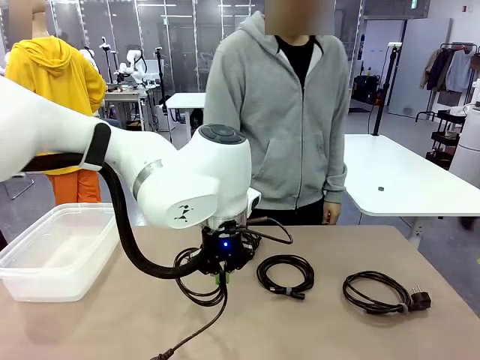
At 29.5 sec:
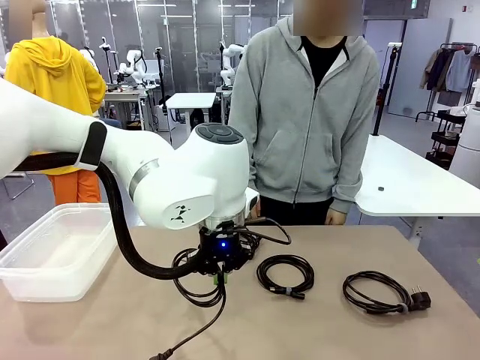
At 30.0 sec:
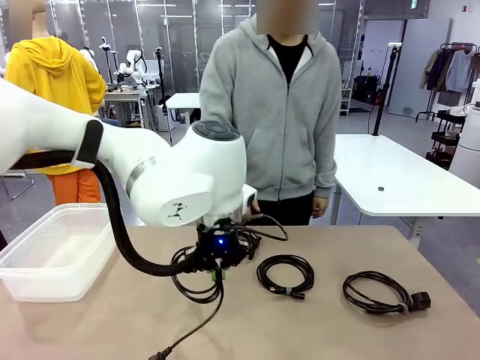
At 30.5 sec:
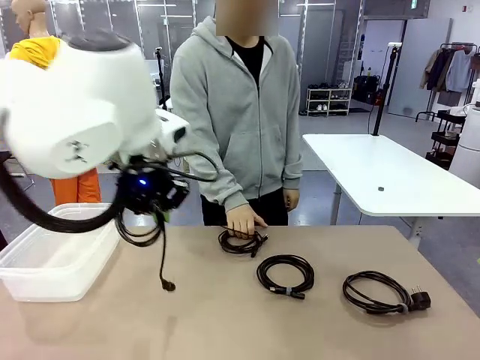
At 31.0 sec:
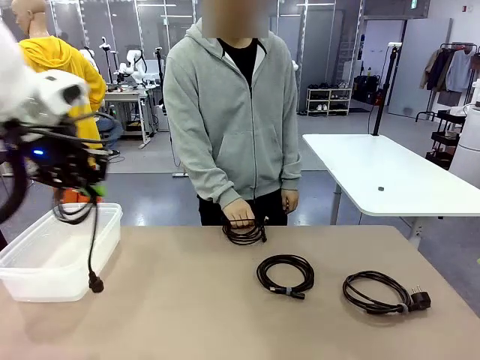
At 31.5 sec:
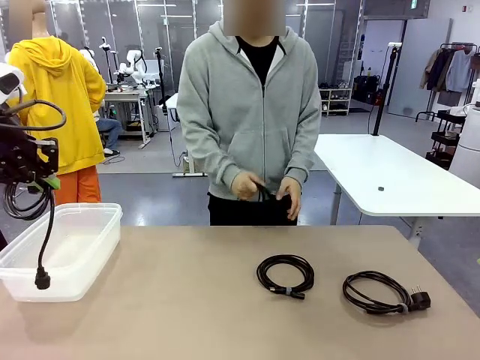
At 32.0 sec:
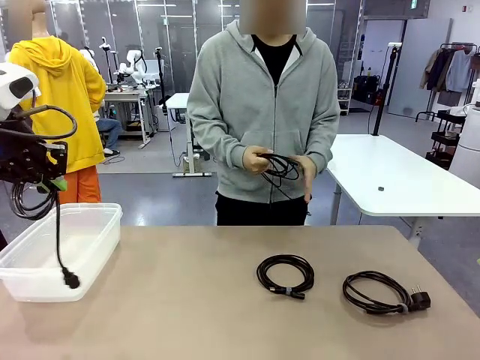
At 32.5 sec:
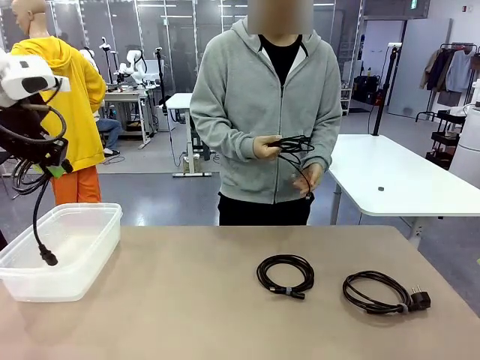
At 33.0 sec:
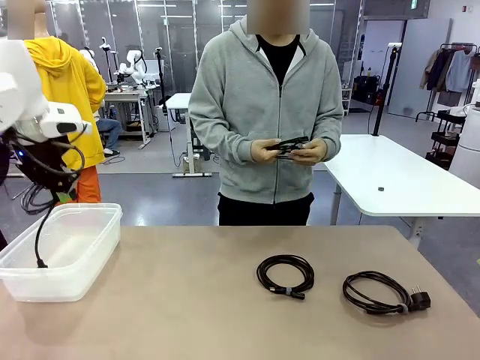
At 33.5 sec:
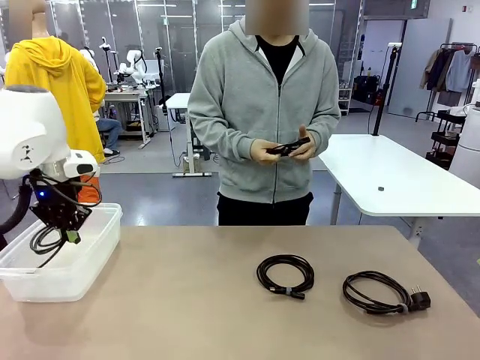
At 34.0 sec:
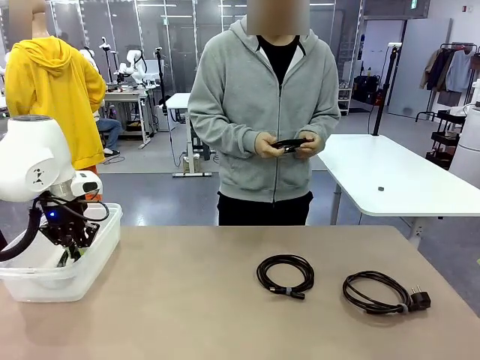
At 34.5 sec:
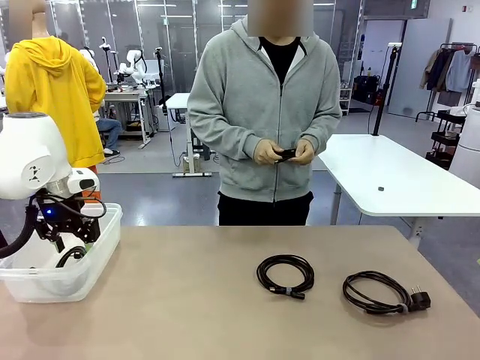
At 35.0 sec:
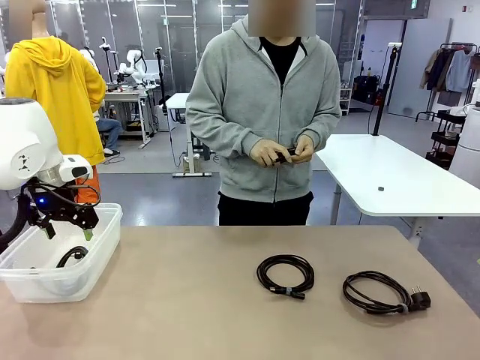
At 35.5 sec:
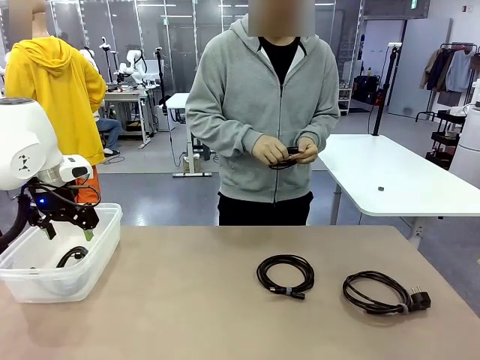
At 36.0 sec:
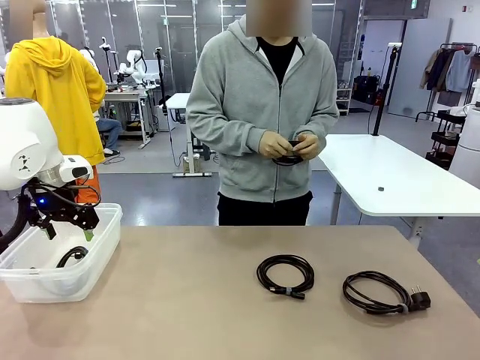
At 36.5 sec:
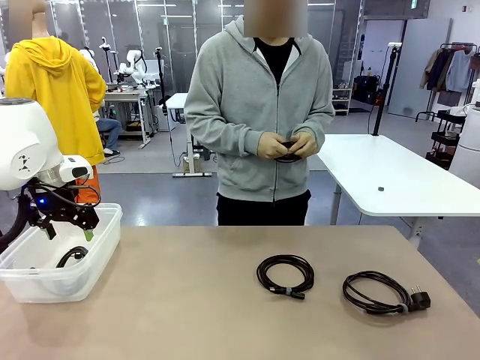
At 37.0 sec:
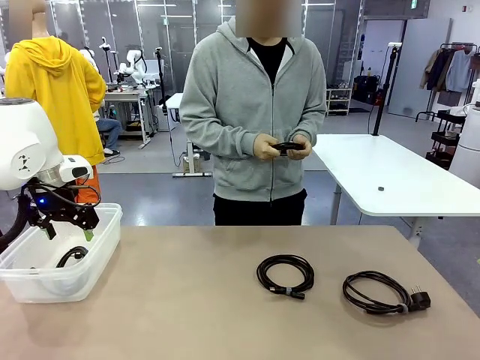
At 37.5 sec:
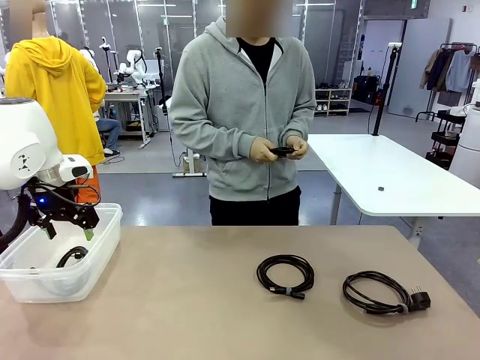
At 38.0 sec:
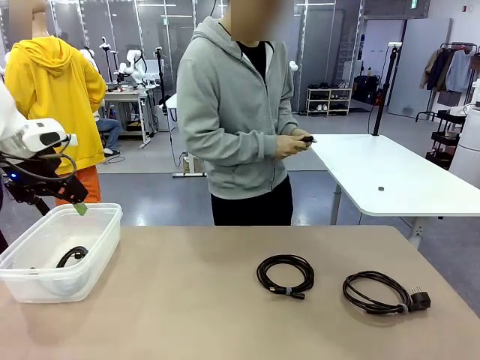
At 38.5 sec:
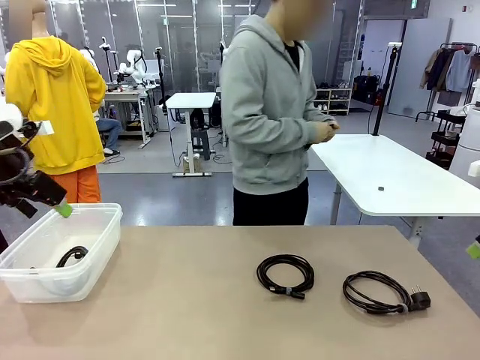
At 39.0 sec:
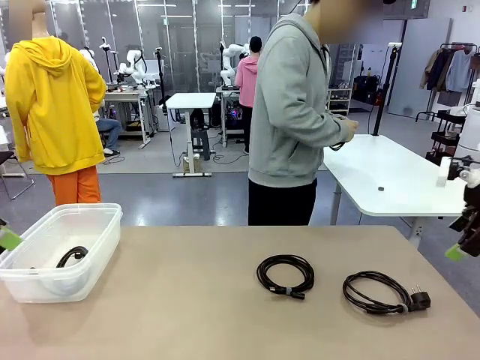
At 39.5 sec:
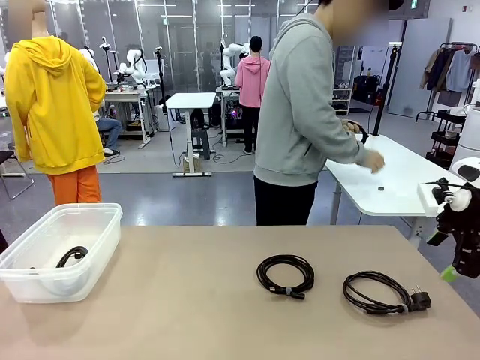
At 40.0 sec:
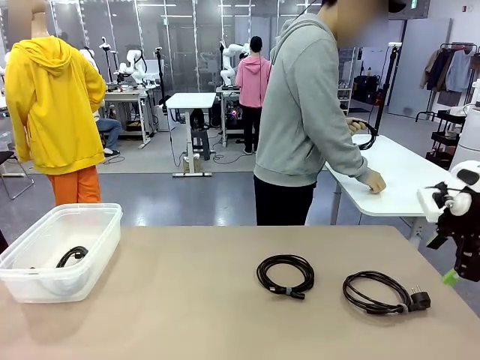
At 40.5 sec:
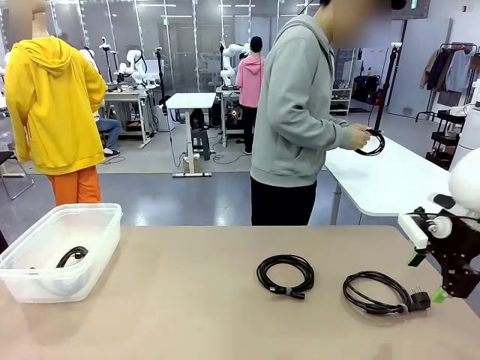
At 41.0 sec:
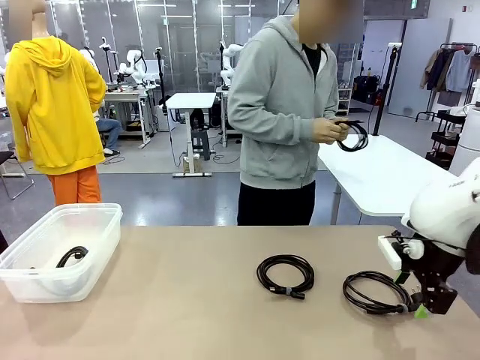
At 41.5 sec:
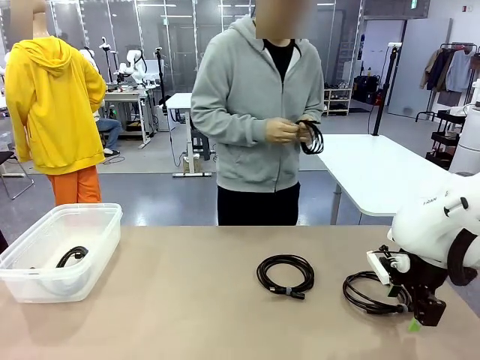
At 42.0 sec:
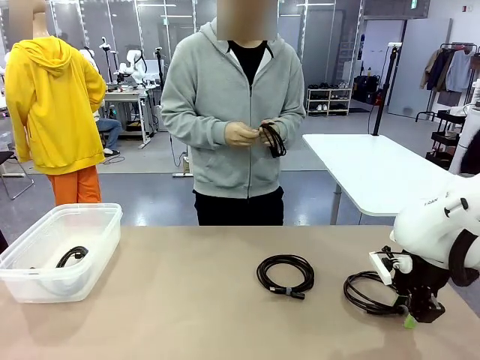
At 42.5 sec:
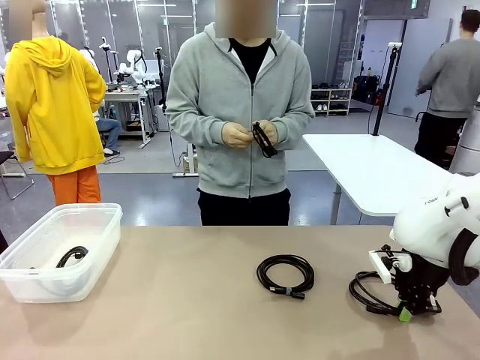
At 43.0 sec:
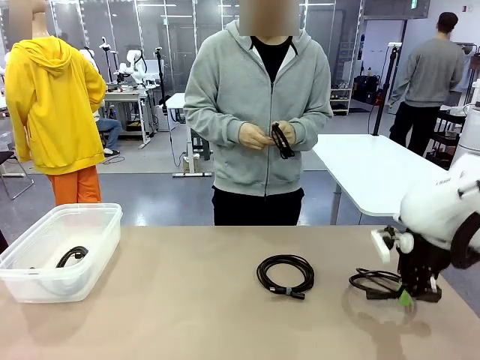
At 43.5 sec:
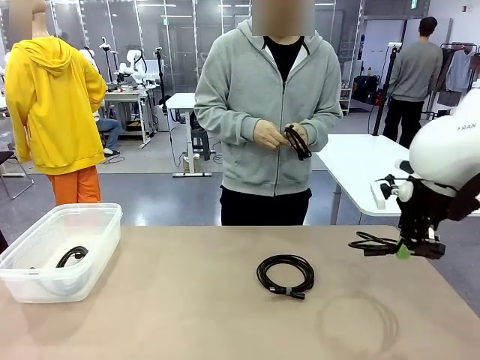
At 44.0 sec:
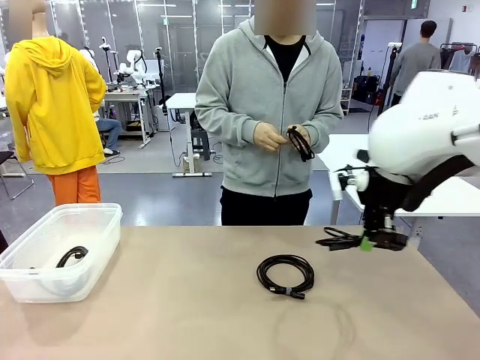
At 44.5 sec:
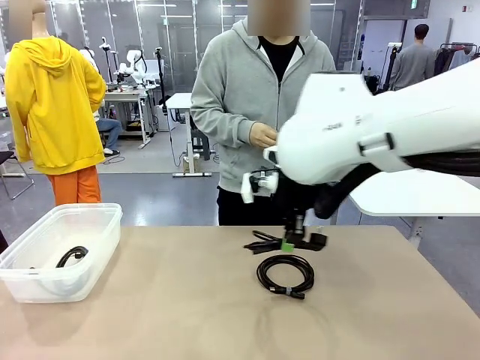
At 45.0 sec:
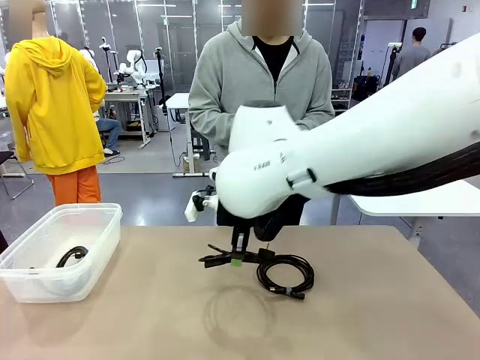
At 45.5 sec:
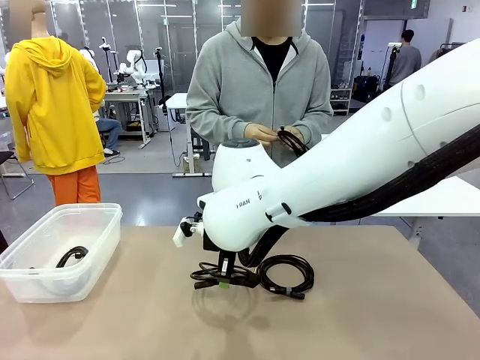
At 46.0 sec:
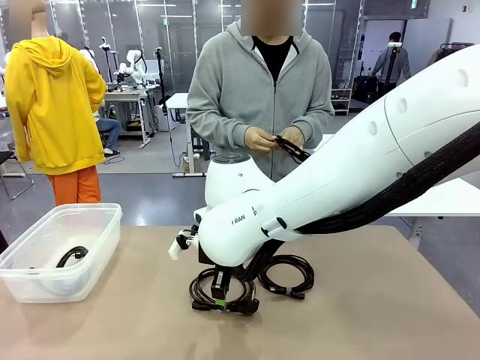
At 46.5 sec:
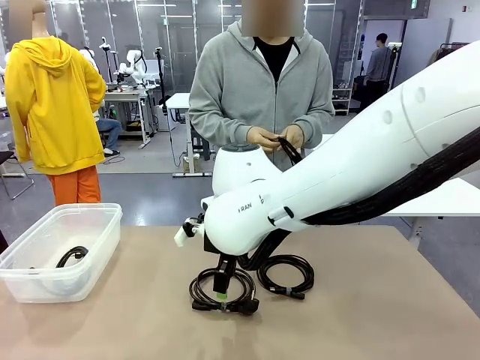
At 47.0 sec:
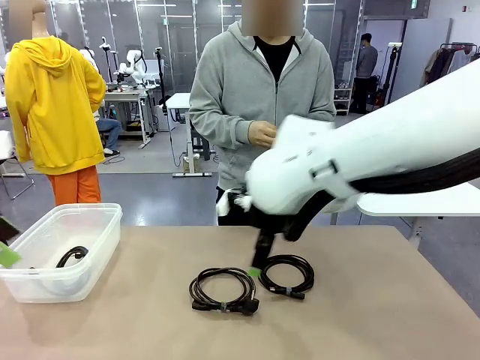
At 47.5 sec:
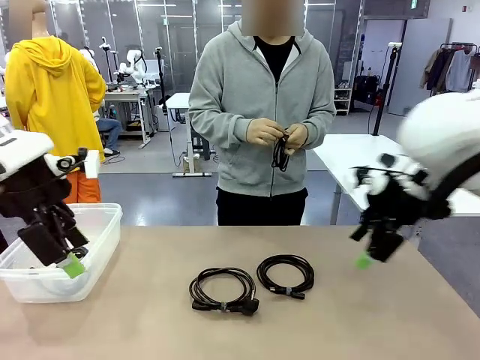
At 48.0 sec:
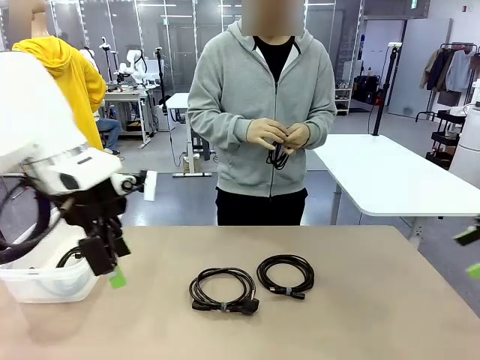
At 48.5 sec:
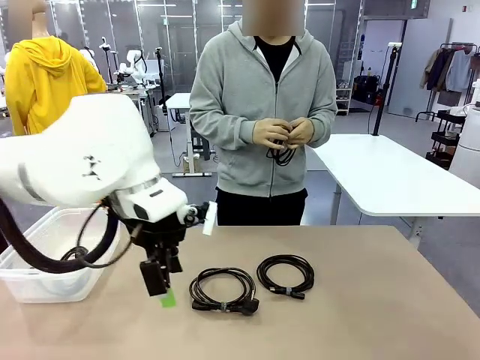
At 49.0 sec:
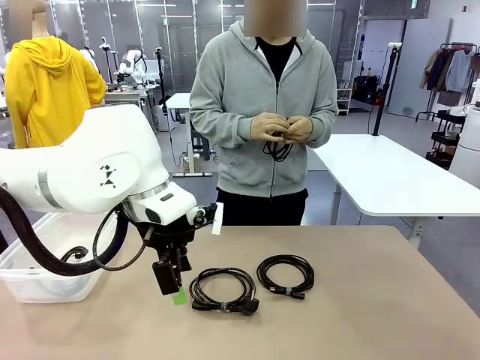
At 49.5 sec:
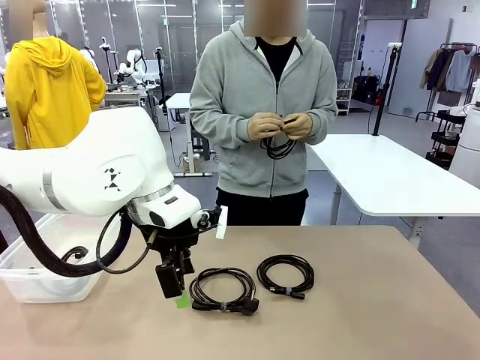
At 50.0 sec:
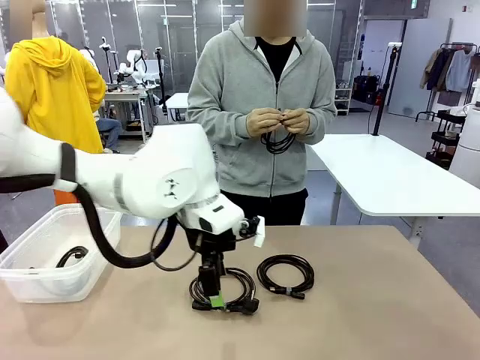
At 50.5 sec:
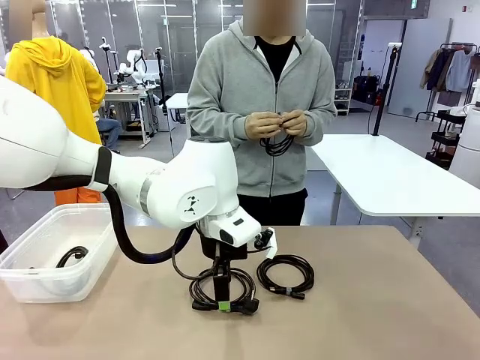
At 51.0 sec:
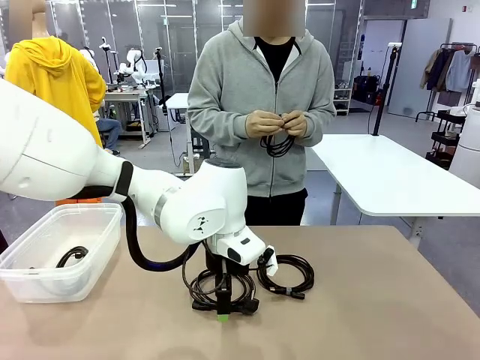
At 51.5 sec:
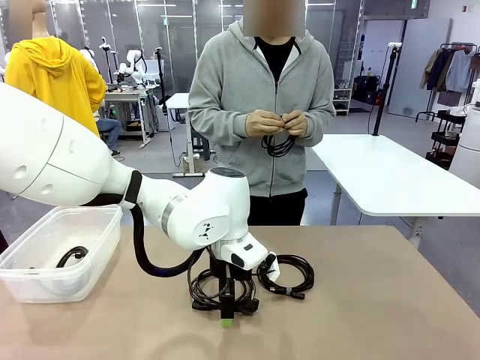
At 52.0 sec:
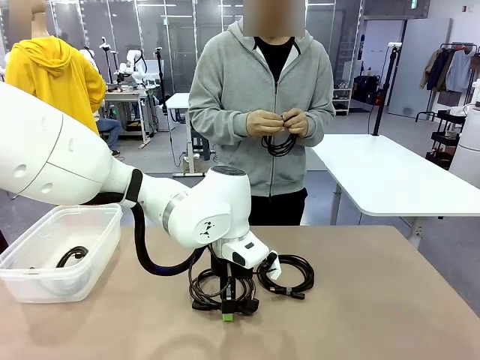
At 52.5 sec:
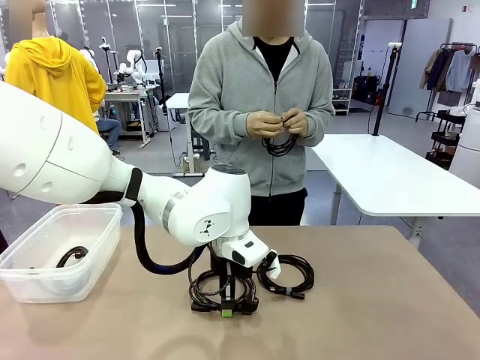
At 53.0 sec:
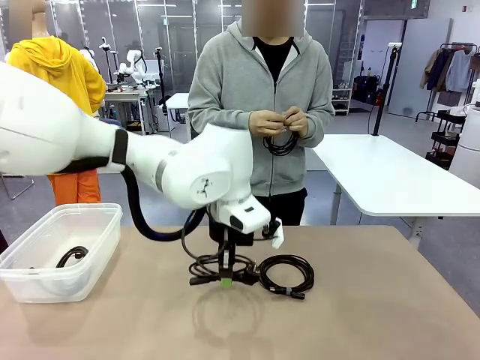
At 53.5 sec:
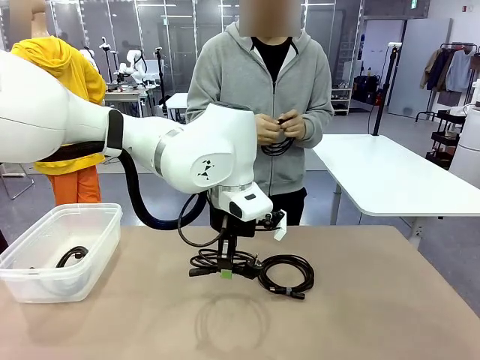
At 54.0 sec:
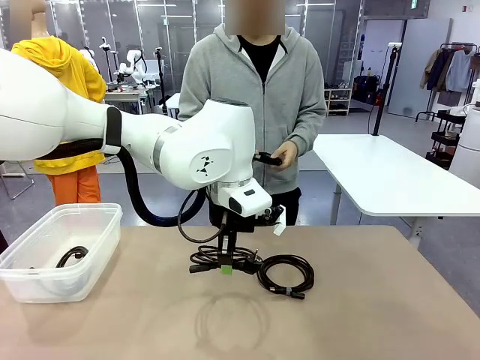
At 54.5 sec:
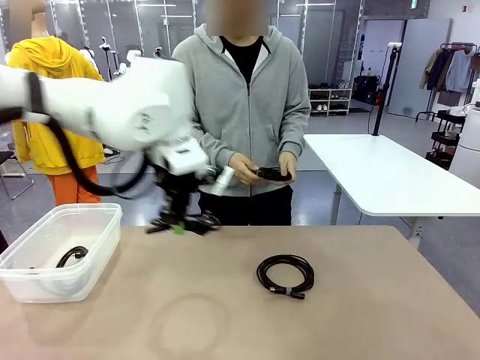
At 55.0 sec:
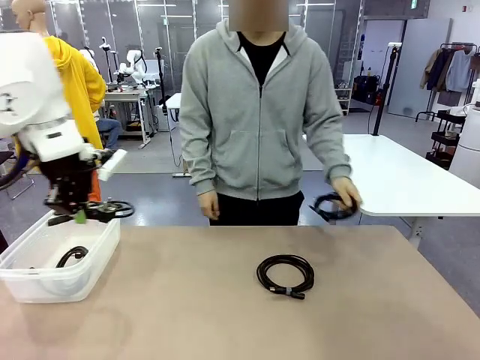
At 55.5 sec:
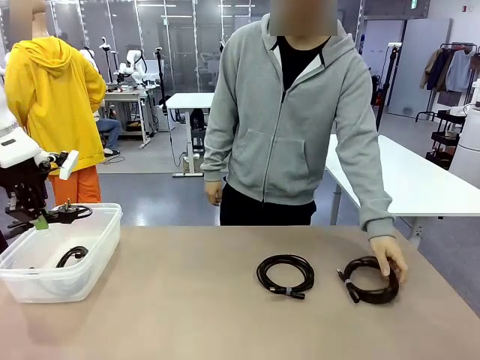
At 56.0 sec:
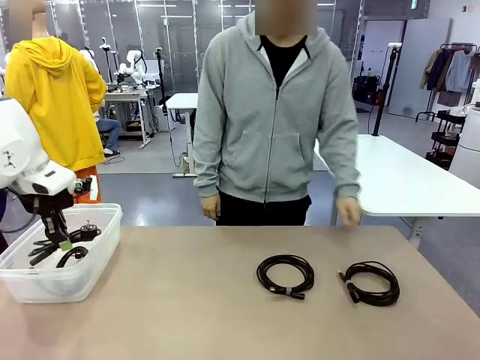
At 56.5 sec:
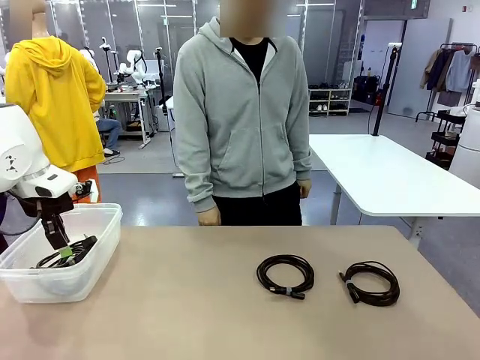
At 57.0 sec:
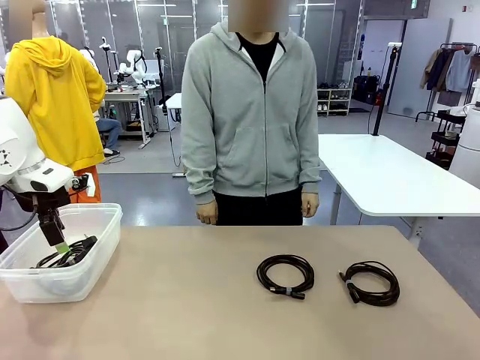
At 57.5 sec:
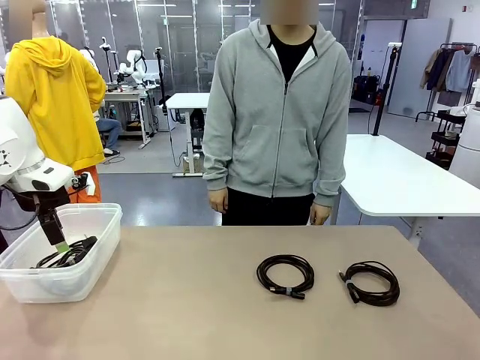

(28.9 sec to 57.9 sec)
Task: Organize and store the cables.
Robot: Place the Power Cable into the Organizing box.
